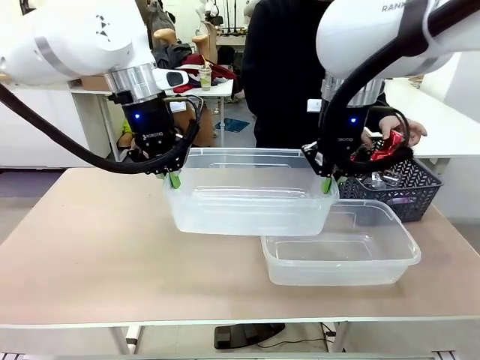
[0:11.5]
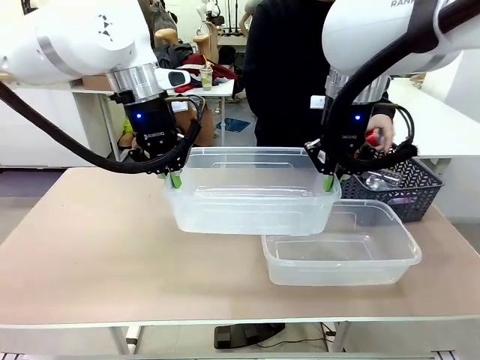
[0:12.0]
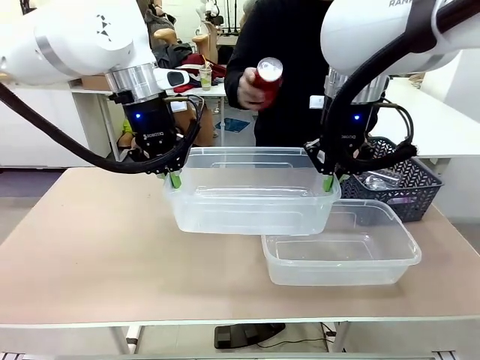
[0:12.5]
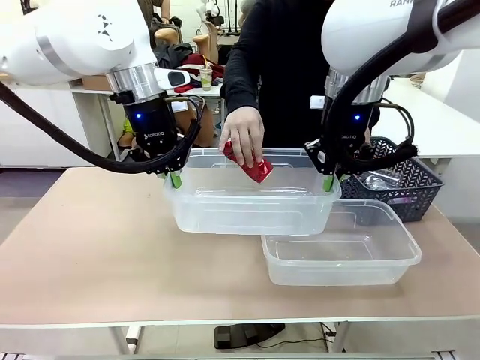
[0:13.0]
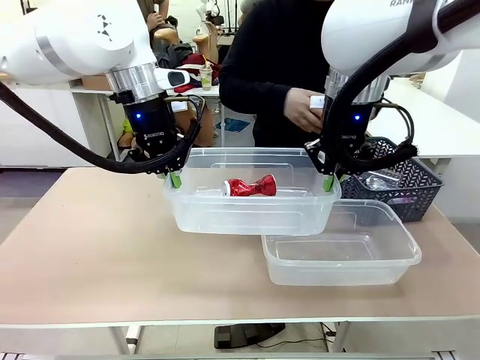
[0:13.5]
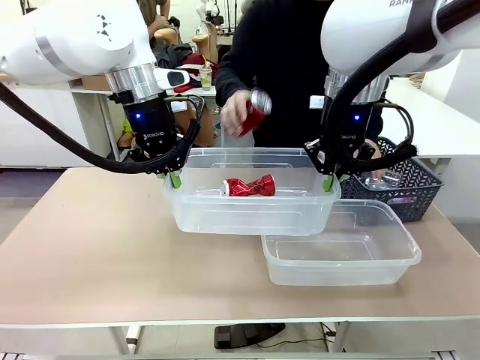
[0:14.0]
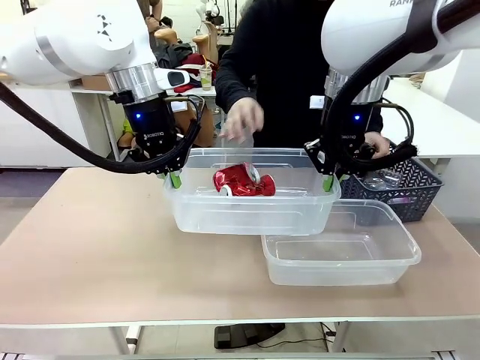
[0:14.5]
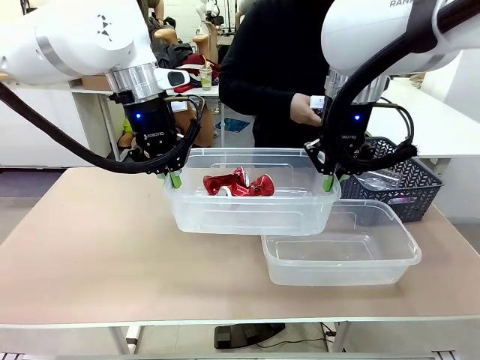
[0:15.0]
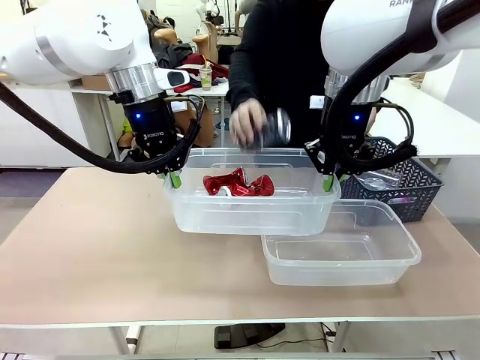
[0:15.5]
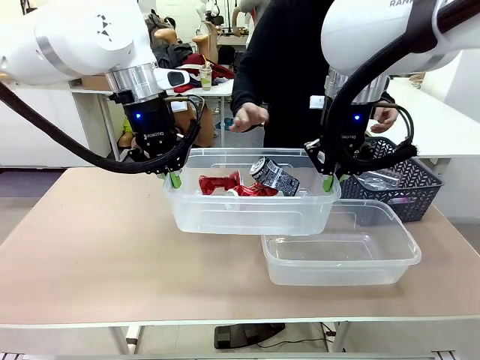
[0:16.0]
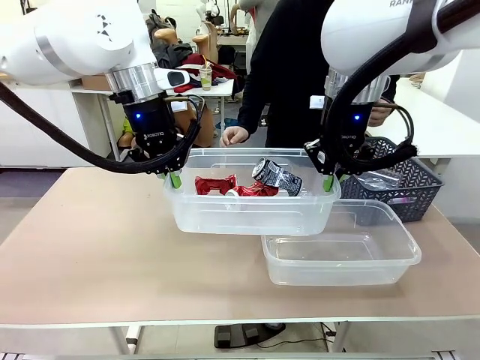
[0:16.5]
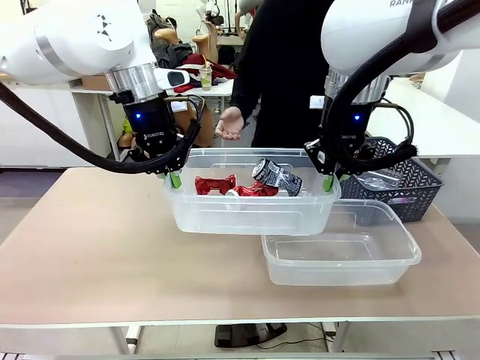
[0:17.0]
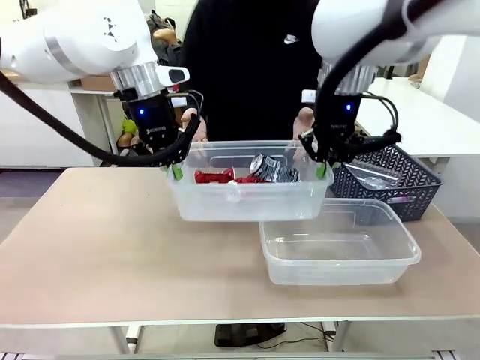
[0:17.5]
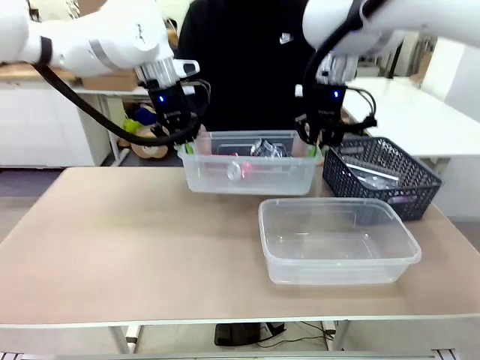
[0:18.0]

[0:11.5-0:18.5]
Robot: Offer the picked Organizing box to the human.

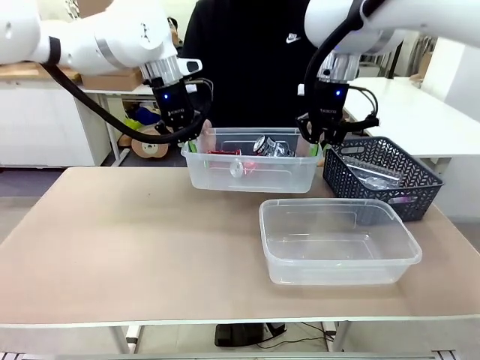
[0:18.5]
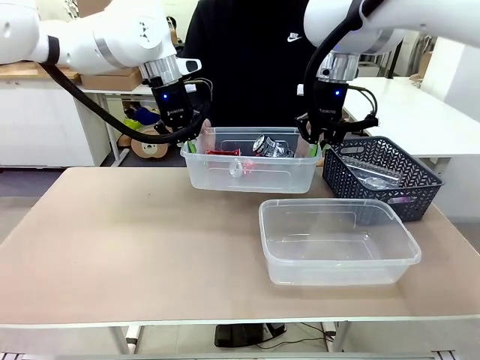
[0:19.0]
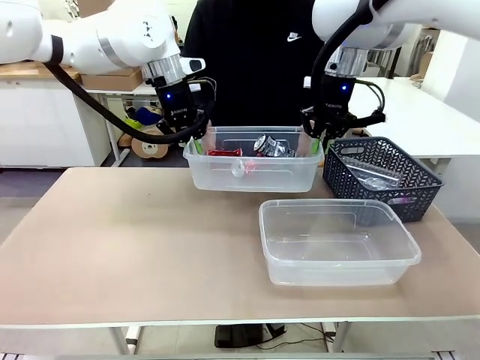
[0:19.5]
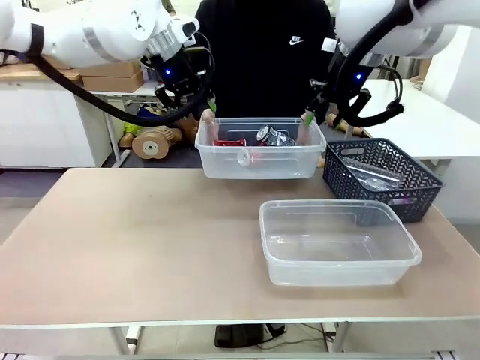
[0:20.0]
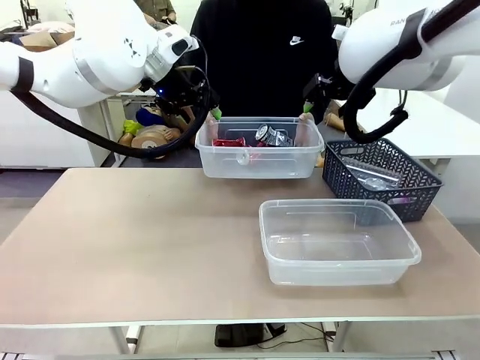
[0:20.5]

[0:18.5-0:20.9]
Robot: Release the Organizing box you were holding.

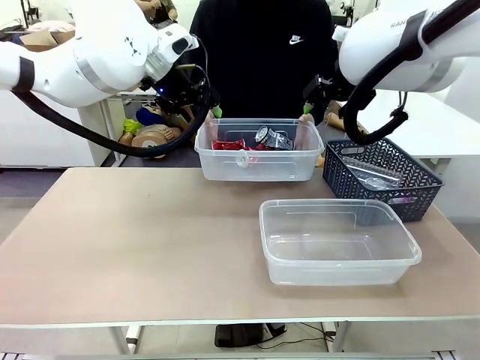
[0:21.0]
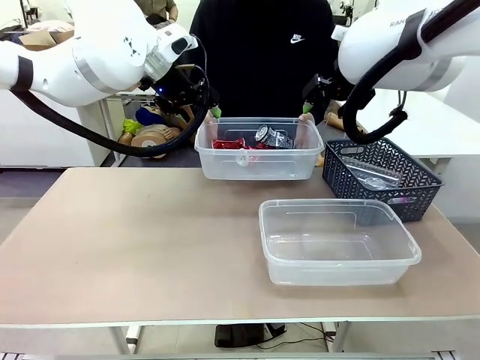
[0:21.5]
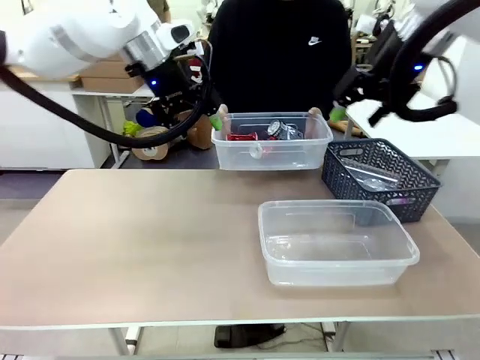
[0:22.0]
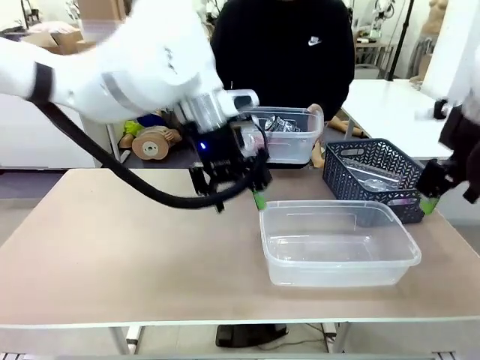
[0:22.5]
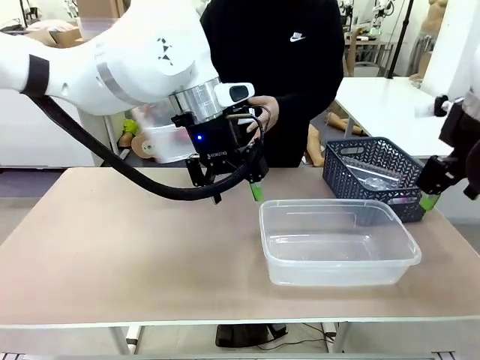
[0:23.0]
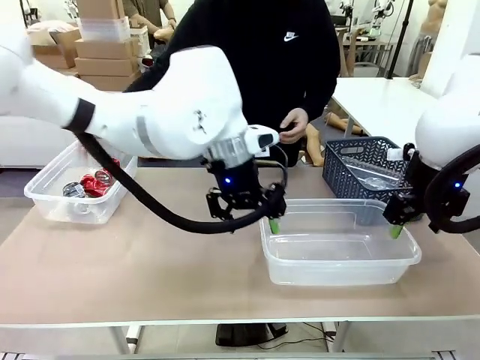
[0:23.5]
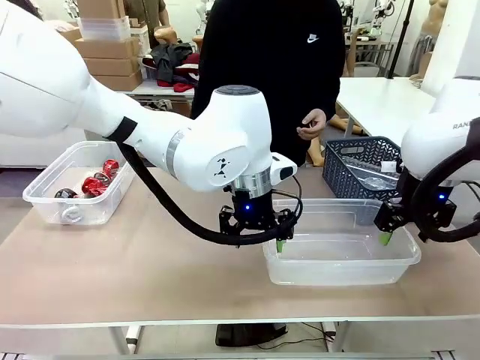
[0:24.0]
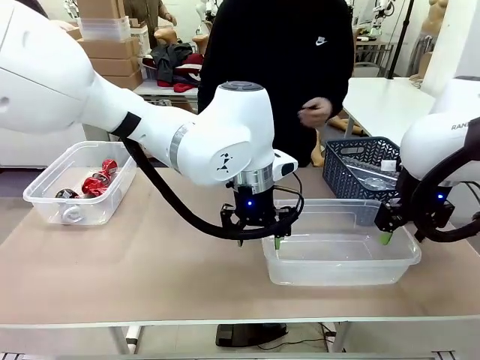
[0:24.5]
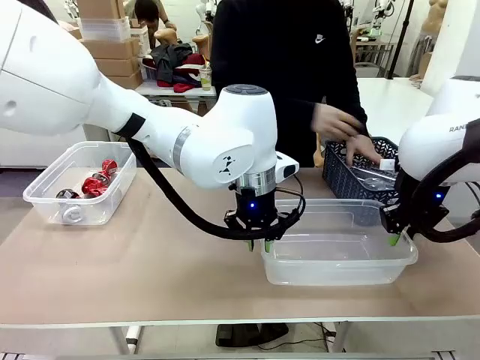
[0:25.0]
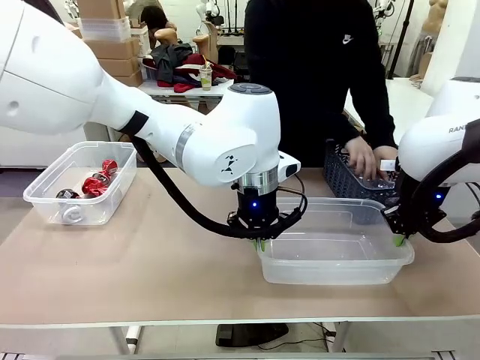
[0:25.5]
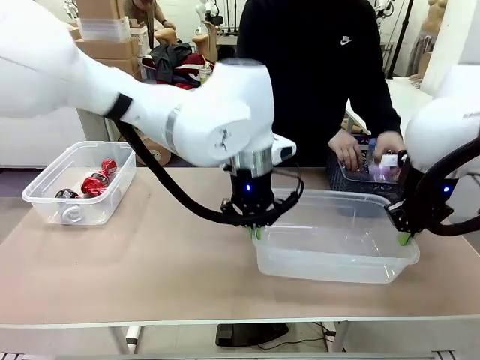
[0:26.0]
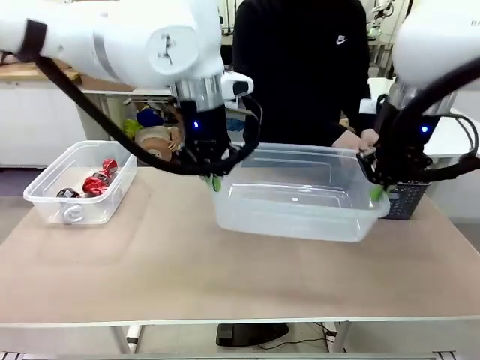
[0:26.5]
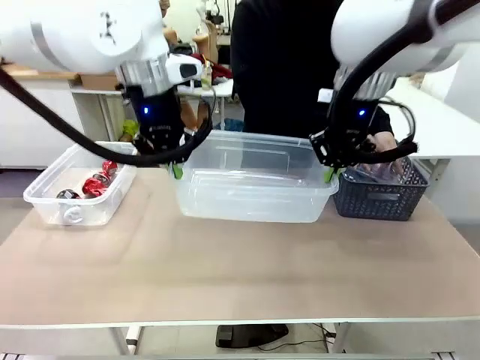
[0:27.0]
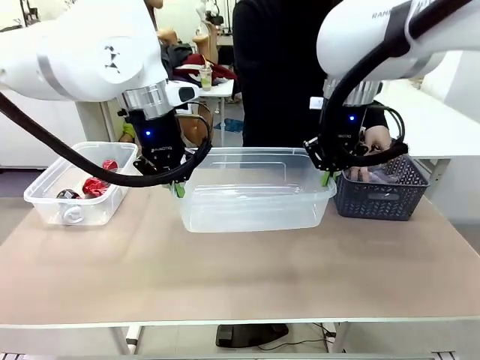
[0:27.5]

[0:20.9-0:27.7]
Robot: Pick up the Organizing box on the right side of the table and lift it.
Person: Place it at the edge of the bottom right area of the robot table.

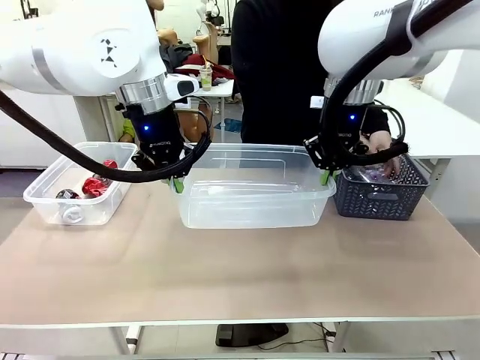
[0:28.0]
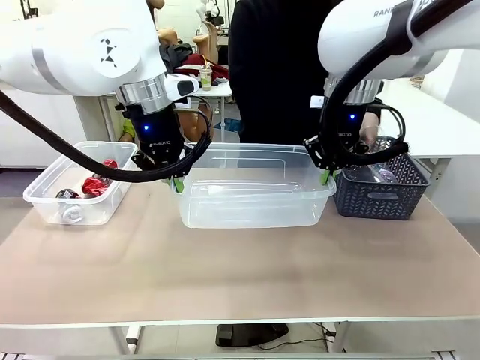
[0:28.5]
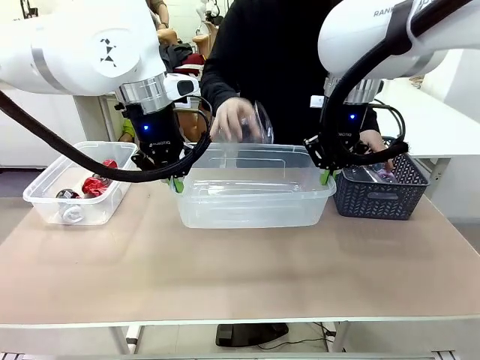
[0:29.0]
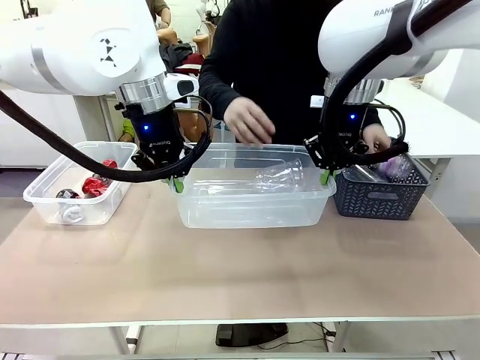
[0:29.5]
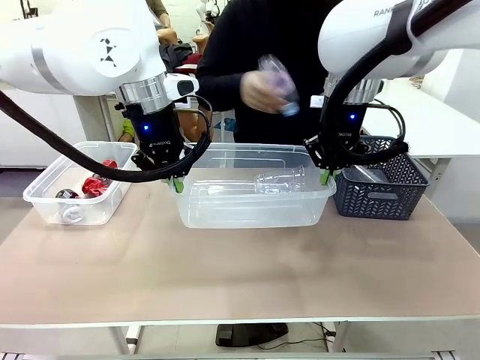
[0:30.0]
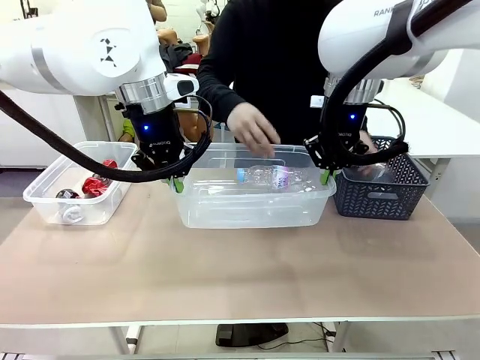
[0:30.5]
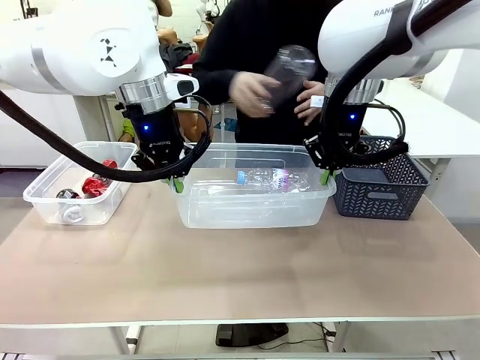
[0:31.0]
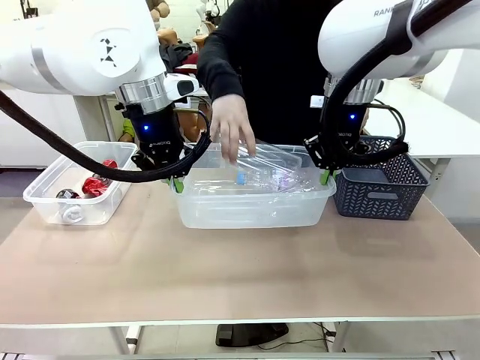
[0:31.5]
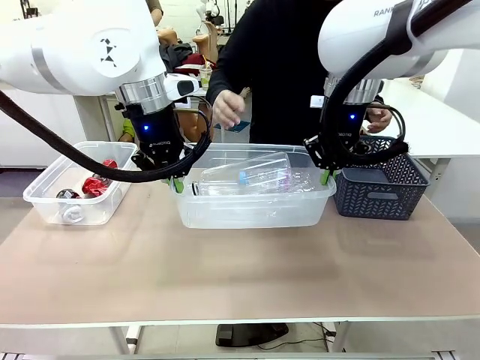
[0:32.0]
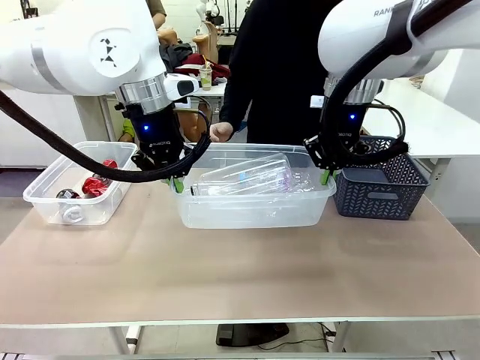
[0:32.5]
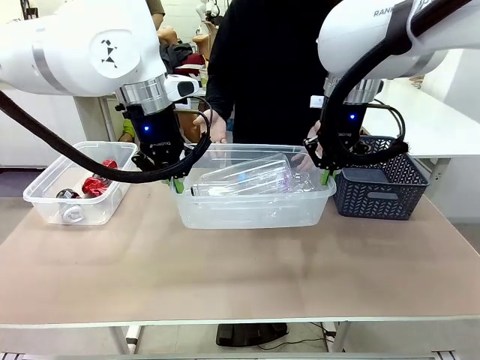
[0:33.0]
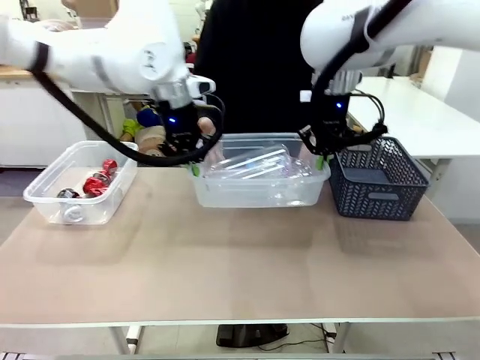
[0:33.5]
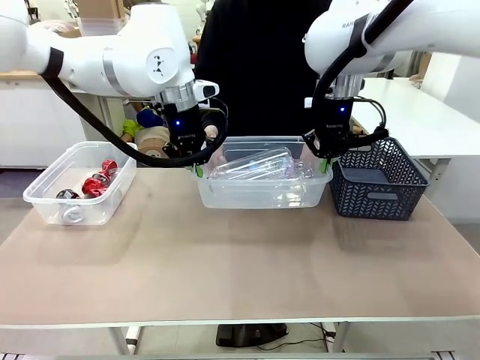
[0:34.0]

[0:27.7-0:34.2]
Robot: Offer the picked Organizing box to the human.
Person: Pick up plastic waste one by one and place it into the organizing box lifted by the robot.

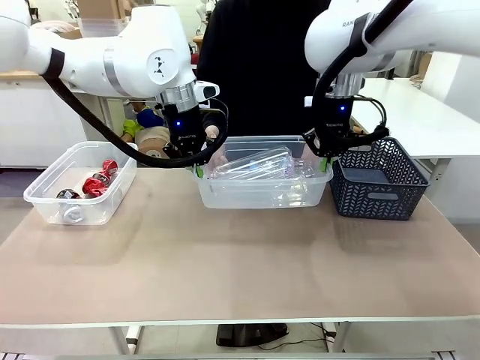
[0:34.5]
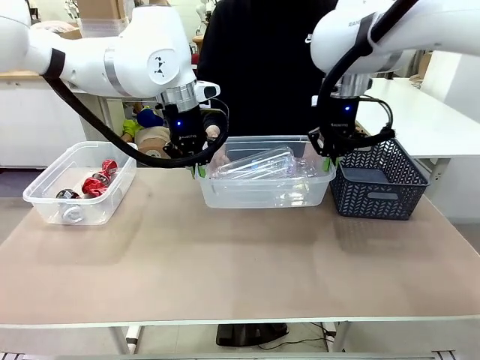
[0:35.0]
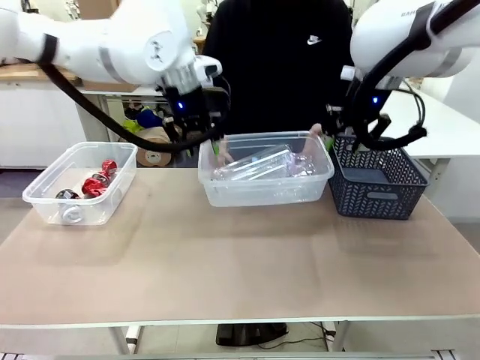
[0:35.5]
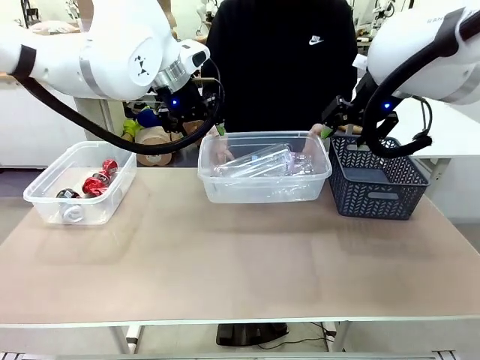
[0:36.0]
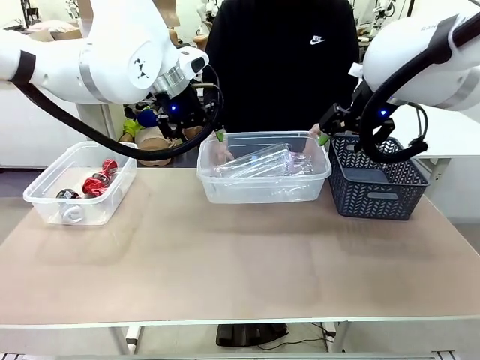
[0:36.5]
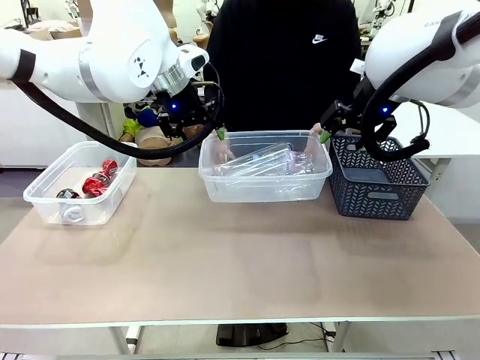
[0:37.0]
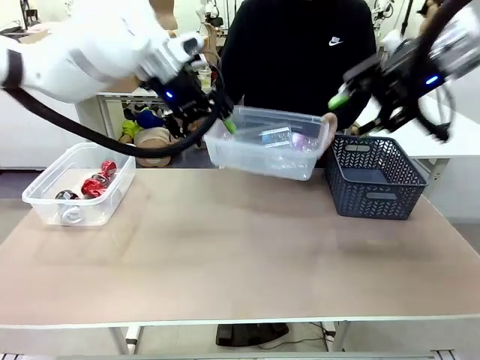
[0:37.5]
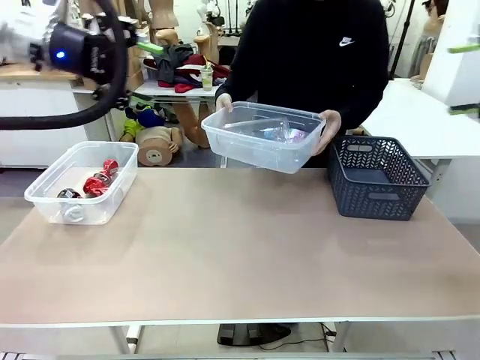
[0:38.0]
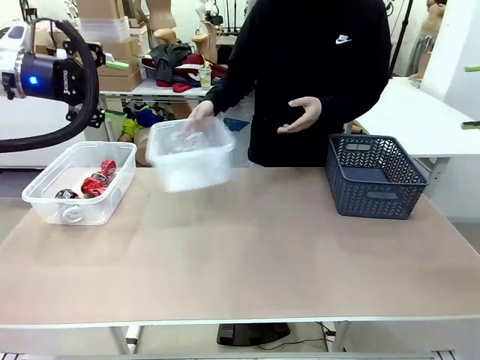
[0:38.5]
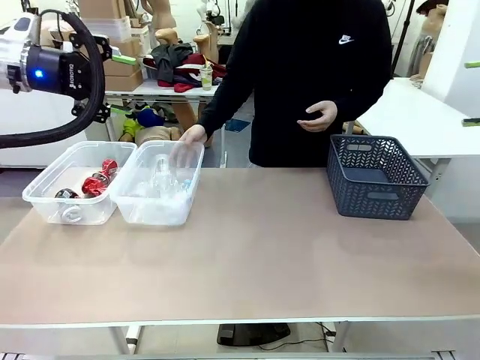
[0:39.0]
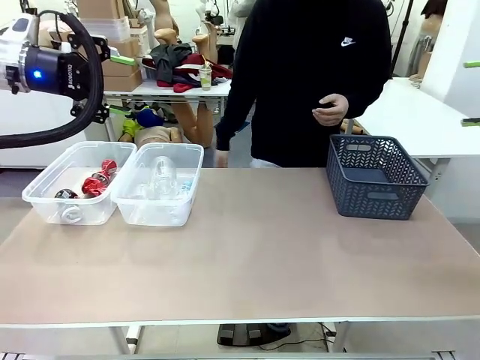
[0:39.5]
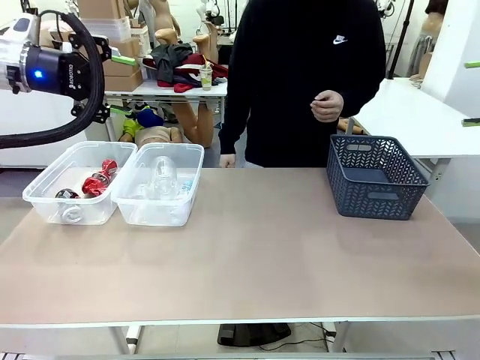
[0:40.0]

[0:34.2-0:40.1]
Robot: Release the Organizing box you were holding.
Person: Pick up the organizing box extended by the robot. Place the organizing box to the left of the sorting box containing the can waste.
